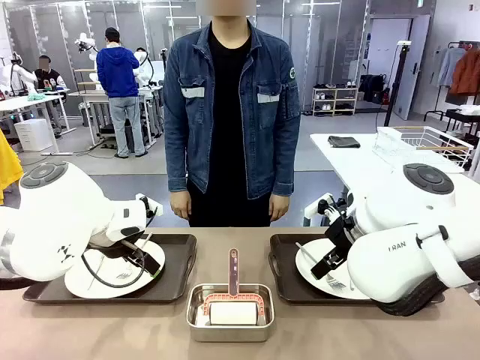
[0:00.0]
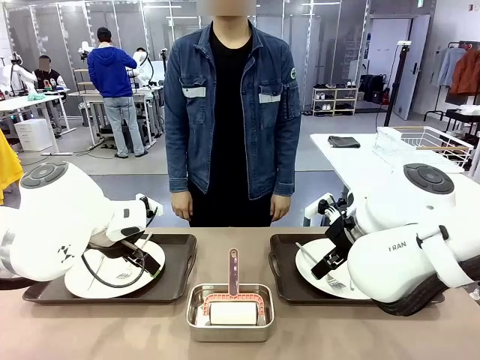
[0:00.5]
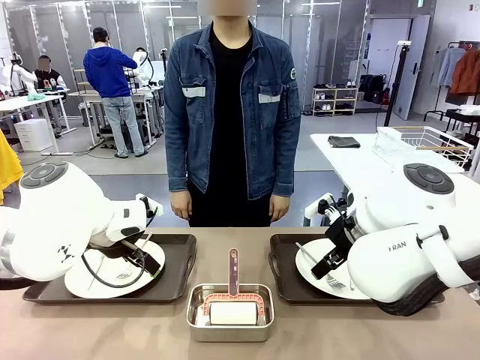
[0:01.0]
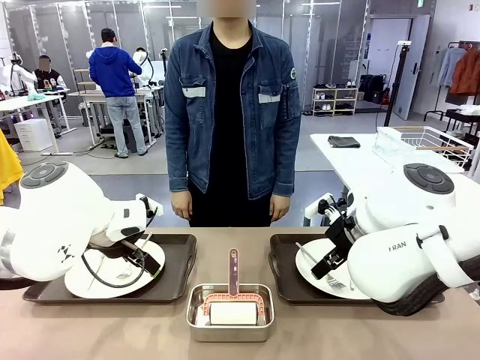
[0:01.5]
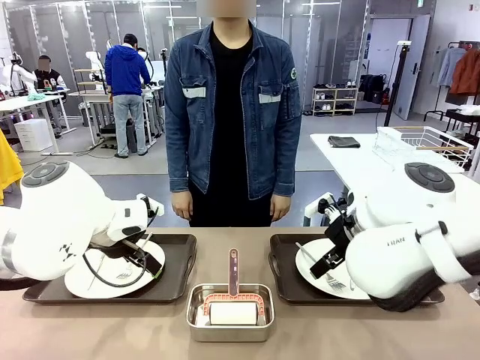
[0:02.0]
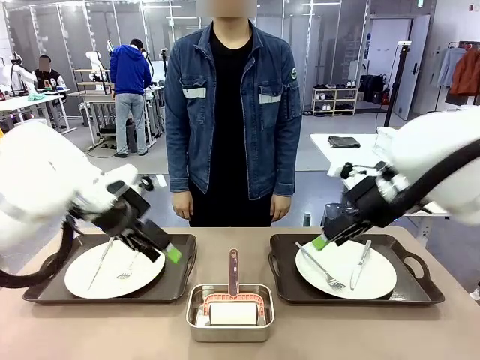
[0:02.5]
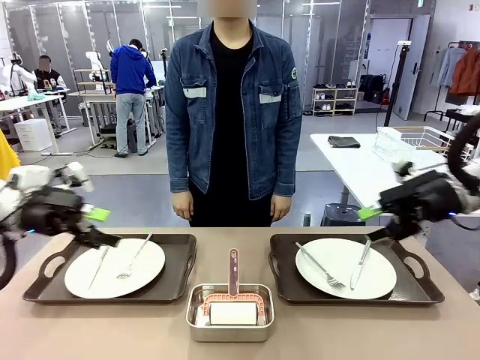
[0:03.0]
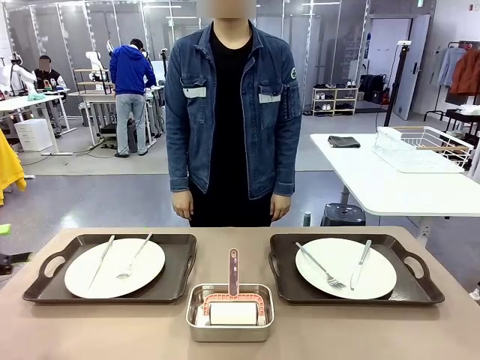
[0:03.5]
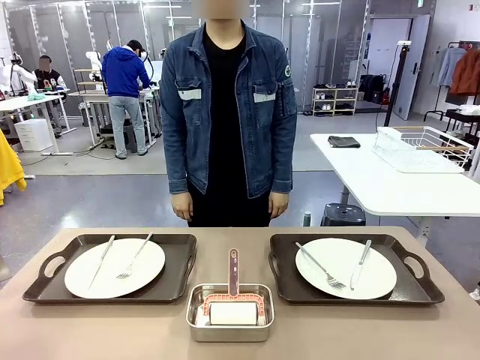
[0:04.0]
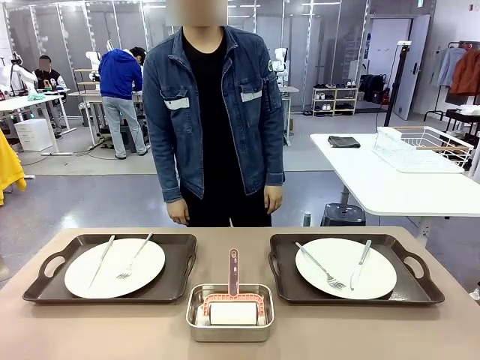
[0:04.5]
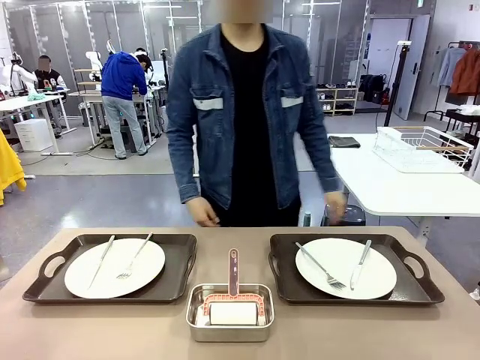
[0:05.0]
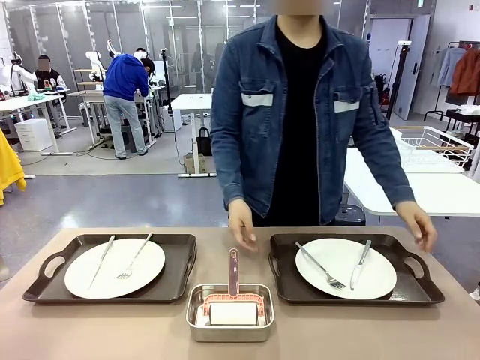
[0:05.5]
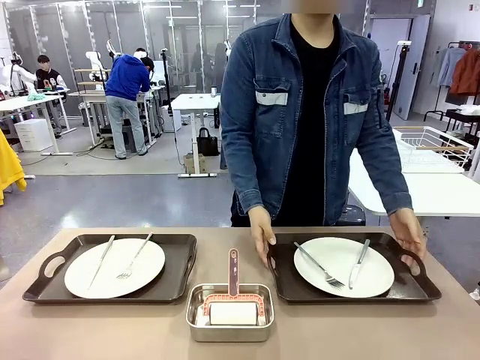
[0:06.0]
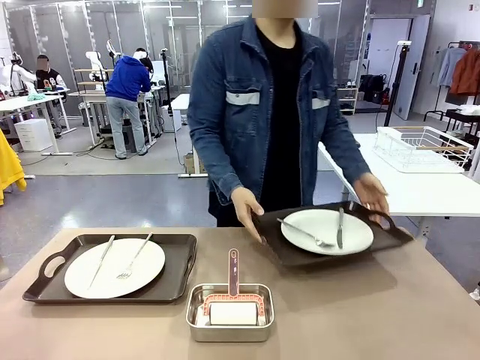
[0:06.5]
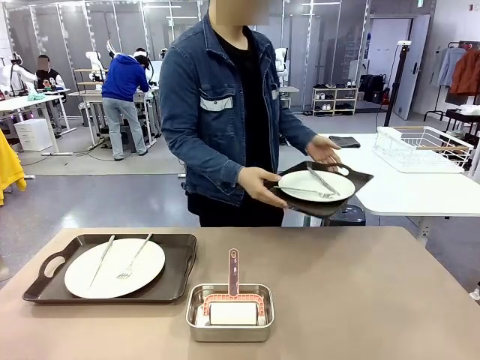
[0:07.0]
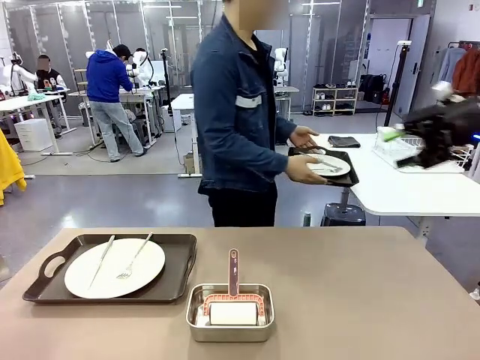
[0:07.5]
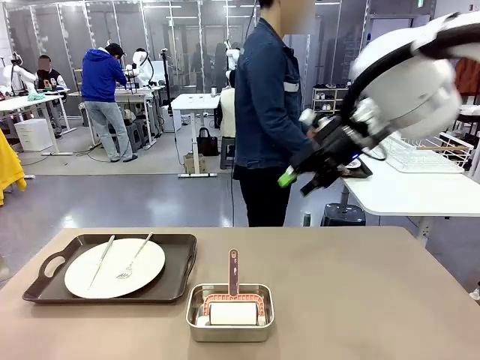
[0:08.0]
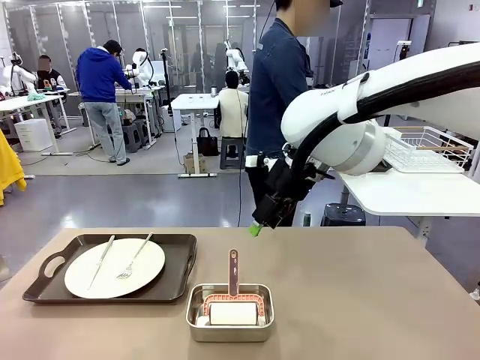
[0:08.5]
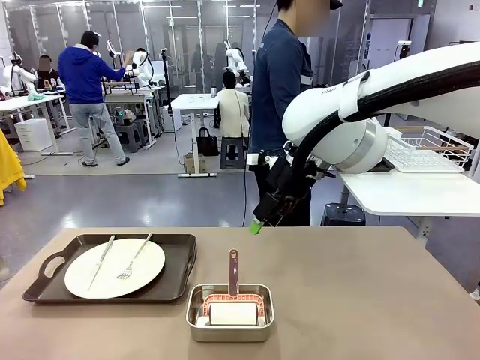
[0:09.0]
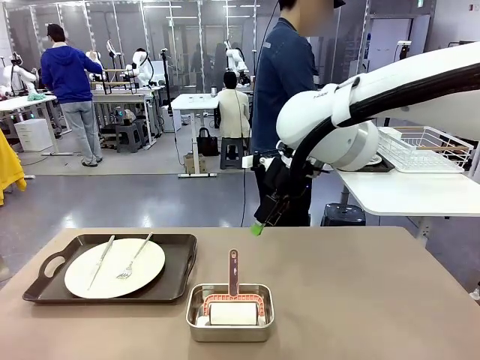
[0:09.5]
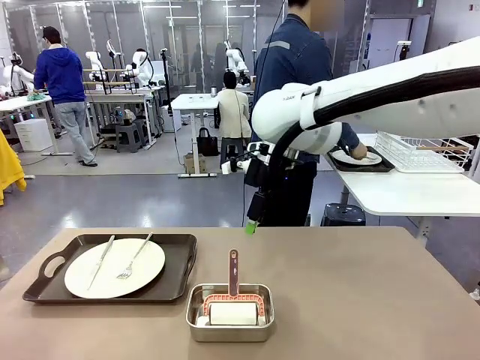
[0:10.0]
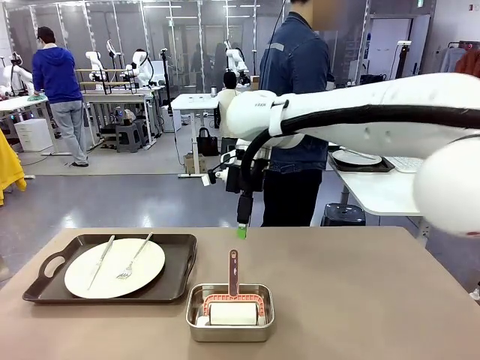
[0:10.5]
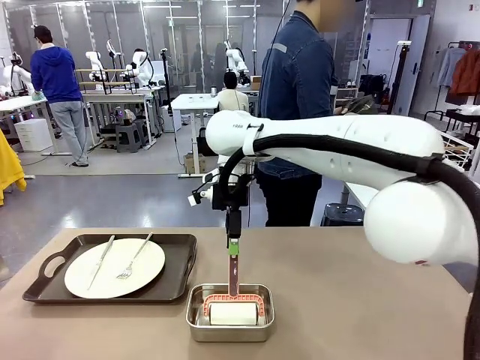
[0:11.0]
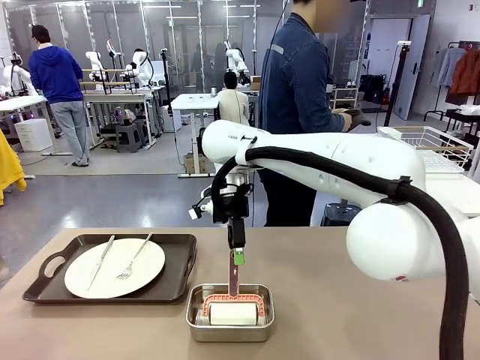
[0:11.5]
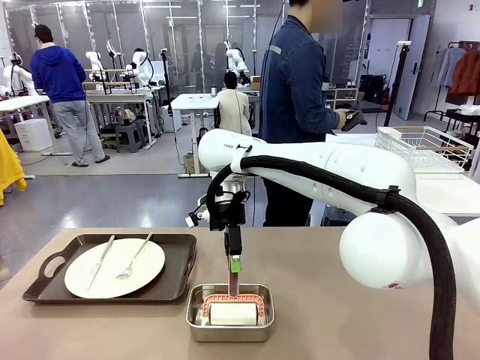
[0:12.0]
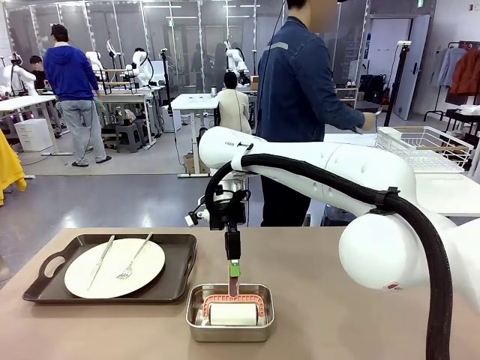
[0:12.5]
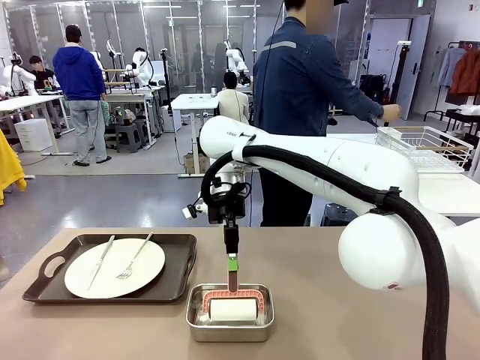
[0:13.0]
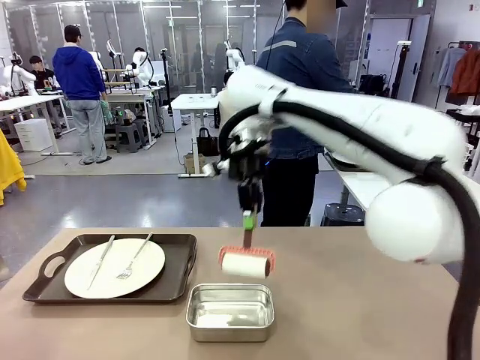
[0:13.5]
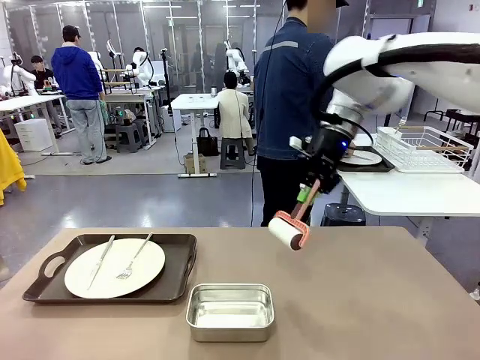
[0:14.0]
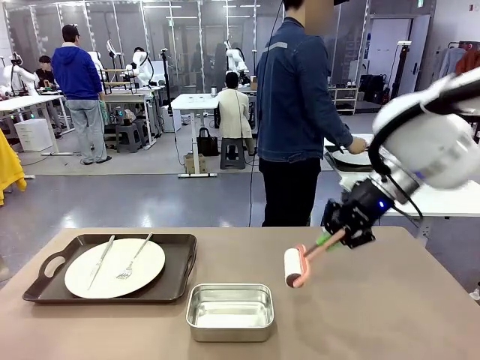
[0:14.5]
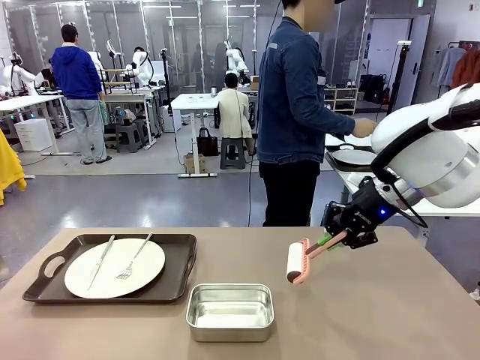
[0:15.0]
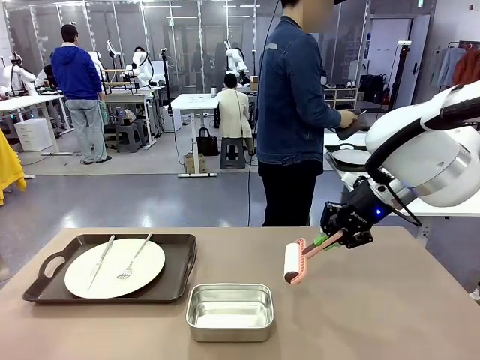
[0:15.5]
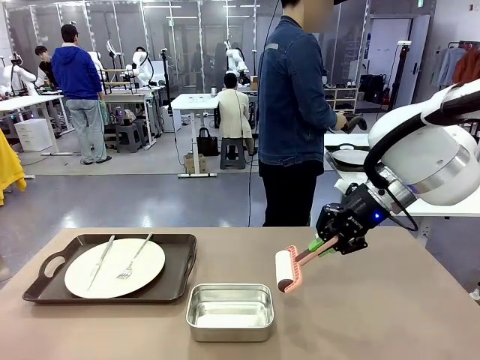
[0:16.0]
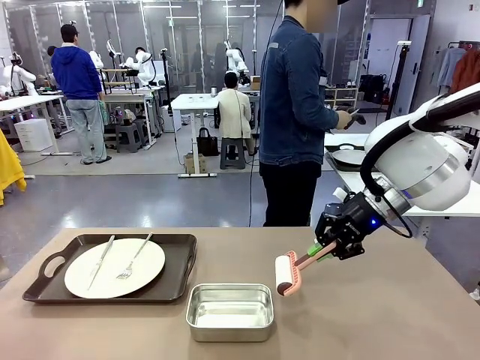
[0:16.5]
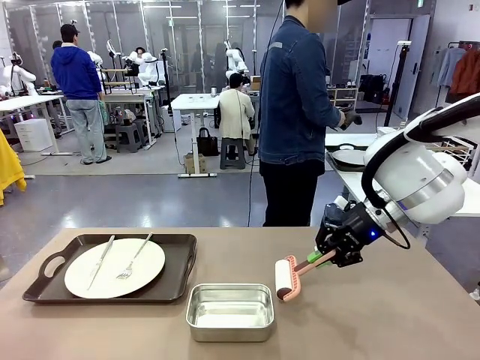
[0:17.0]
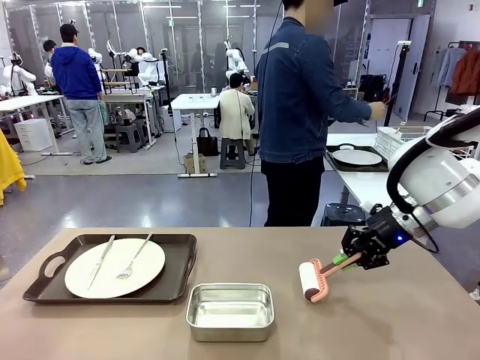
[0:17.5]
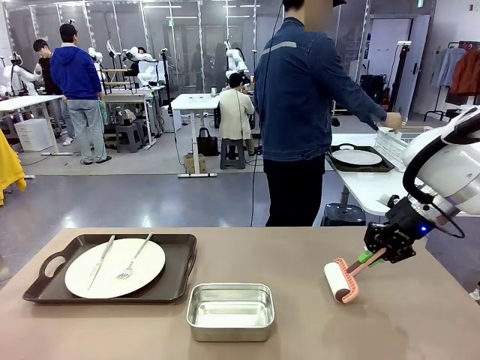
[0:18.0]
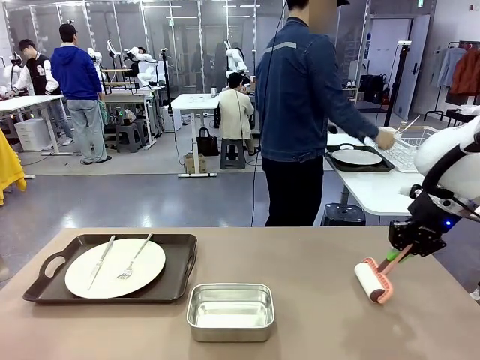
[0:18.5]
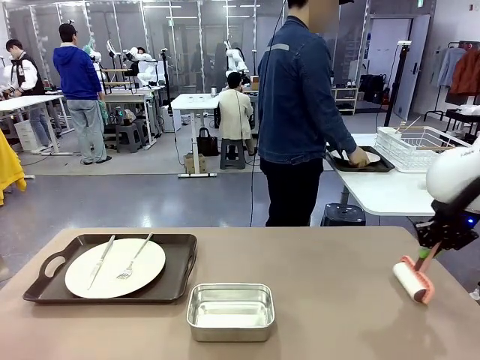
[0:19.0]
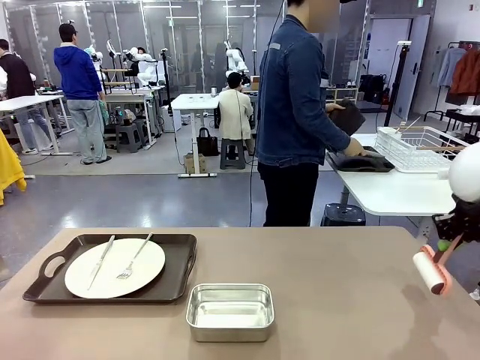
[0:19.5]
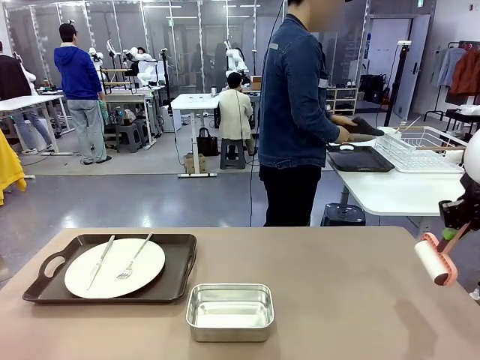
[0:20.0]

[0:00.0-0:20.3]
Robot: When the left (or right) Handle tray is removed, use the left hand (or right hand) to clean the left (or right) side of the table with the Lint Roller.
Person: Pick up the left (or right) Handle tray and place it on the middle of the Human's table. Use the Towel with hook to wipe the Plastic Matte Plate , Fork , and Knife and place into the Dish drying rack.

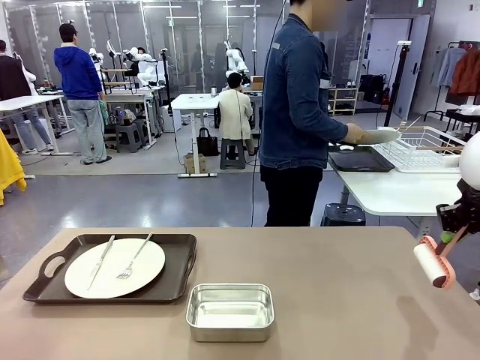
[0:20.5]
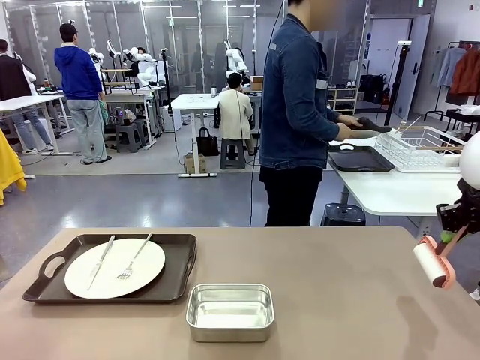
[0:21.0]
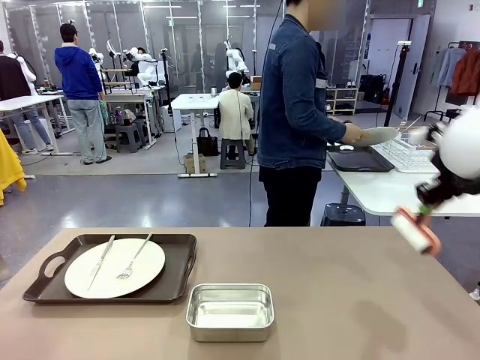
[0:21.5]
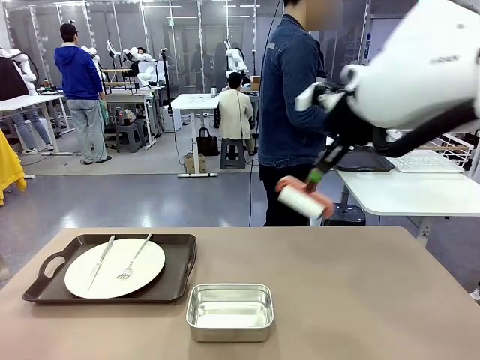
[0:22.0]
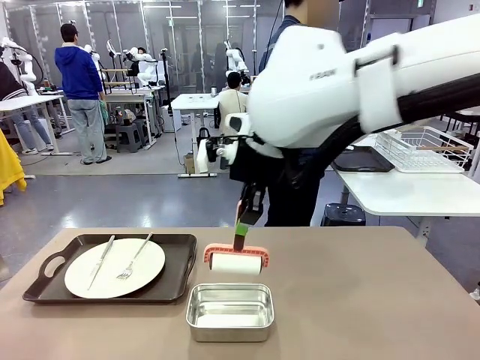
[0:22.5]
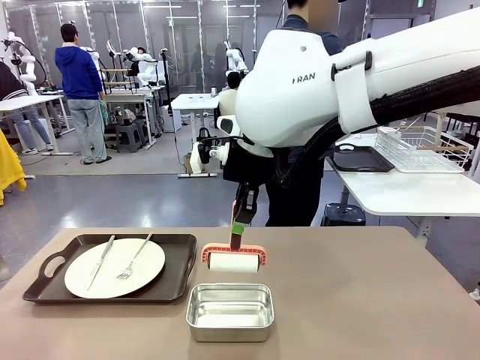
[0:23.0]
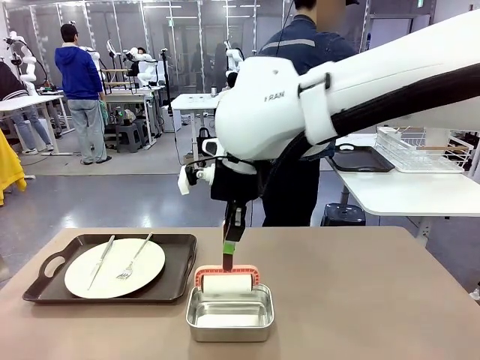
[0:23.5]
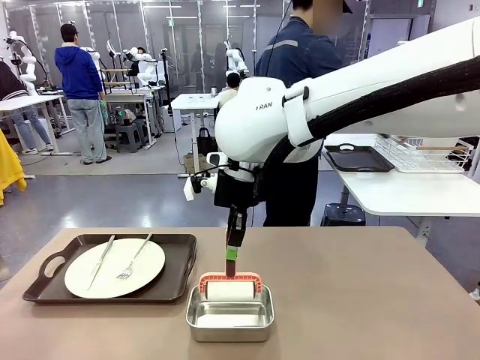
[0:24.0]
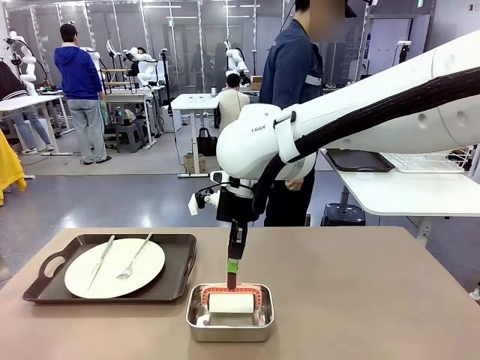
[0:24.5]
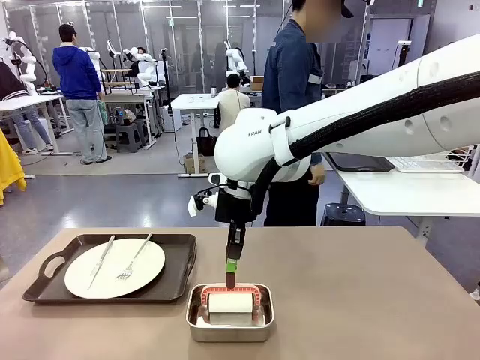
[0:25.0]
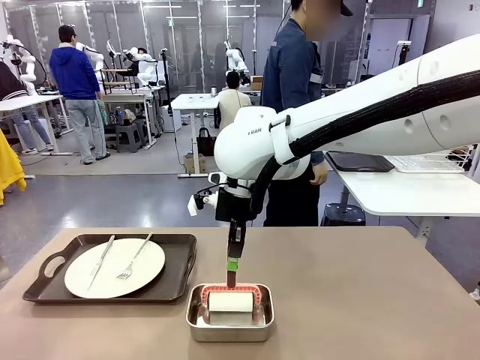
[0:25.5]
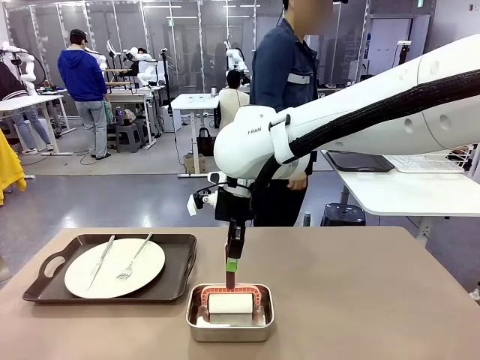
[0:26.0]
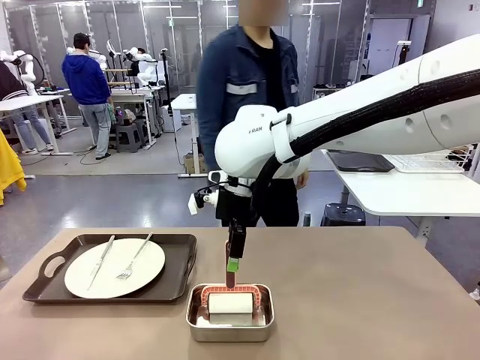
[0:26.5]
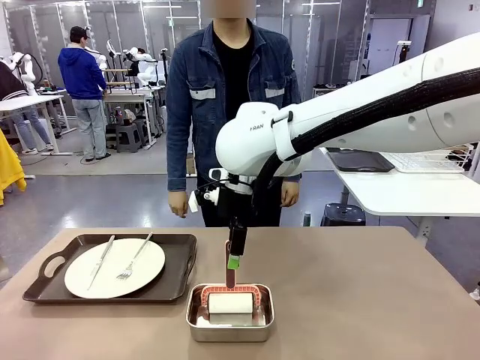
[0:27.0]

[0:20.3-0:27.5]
Robot: Place the Lint Roller back on top of the Airtight Container.
